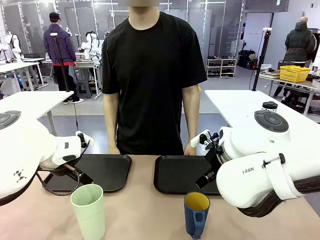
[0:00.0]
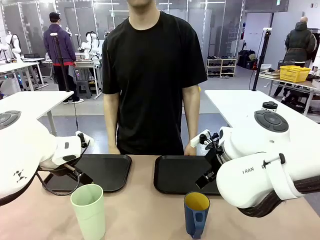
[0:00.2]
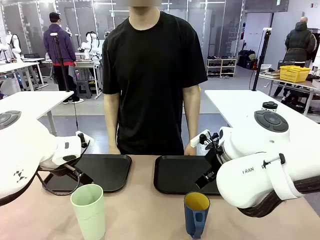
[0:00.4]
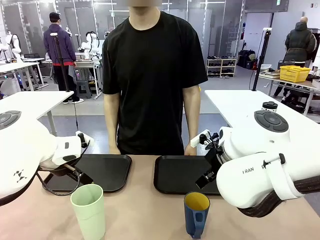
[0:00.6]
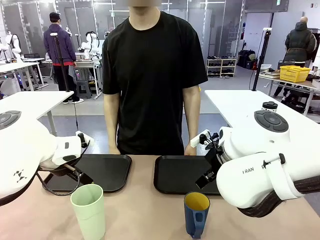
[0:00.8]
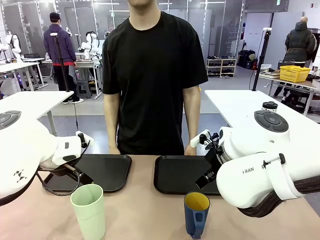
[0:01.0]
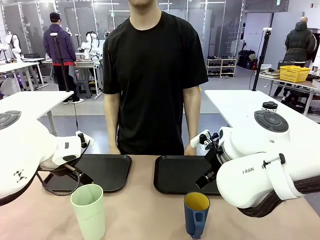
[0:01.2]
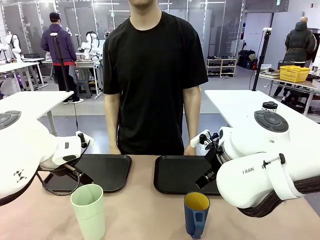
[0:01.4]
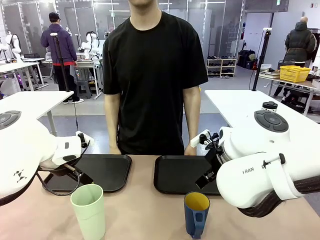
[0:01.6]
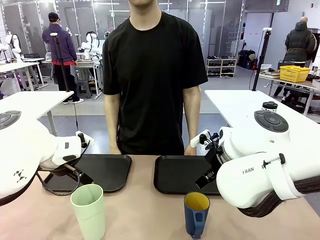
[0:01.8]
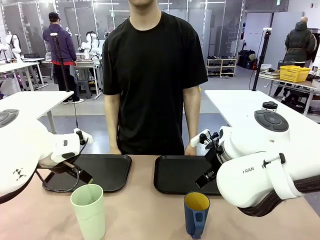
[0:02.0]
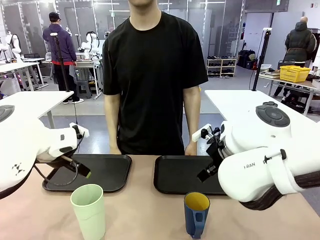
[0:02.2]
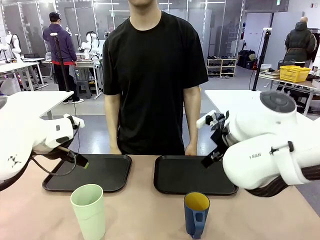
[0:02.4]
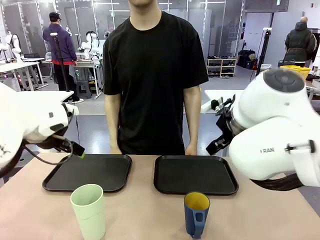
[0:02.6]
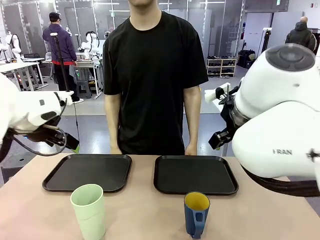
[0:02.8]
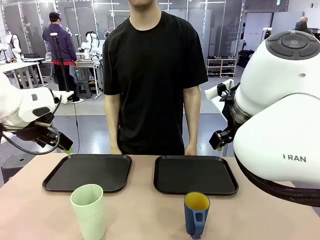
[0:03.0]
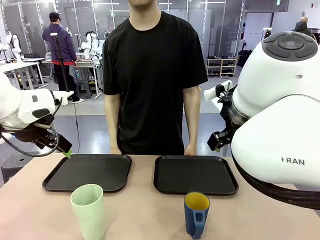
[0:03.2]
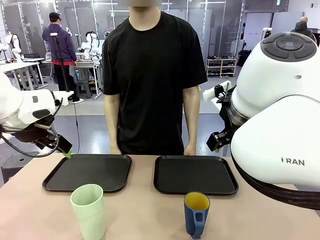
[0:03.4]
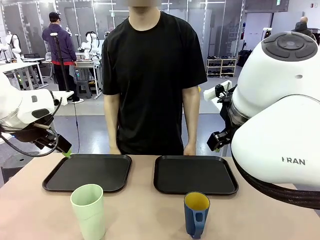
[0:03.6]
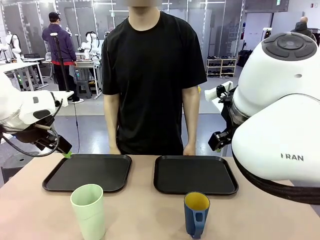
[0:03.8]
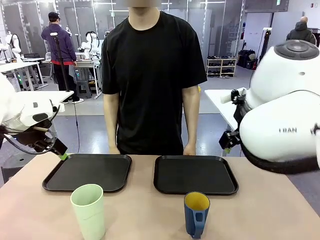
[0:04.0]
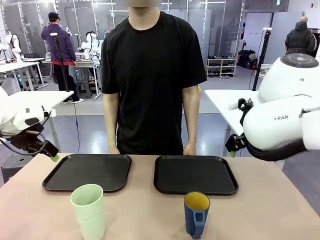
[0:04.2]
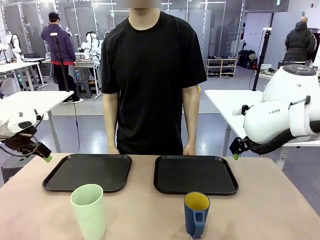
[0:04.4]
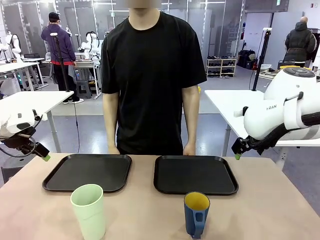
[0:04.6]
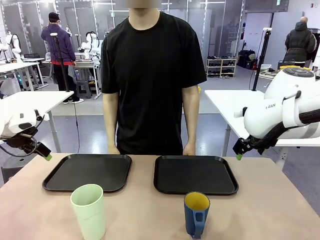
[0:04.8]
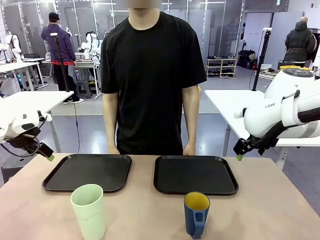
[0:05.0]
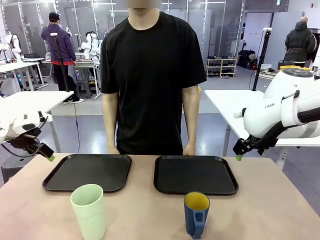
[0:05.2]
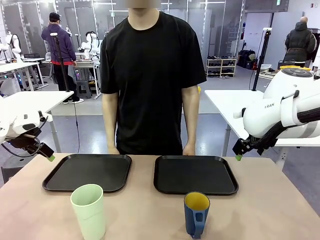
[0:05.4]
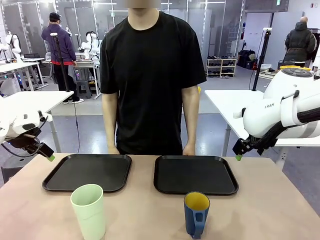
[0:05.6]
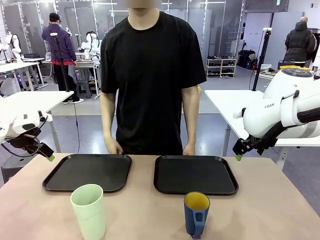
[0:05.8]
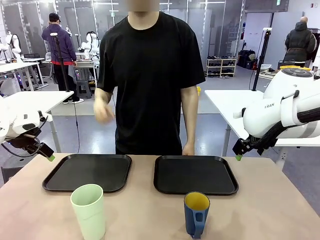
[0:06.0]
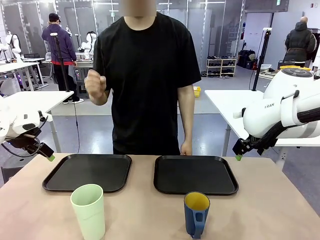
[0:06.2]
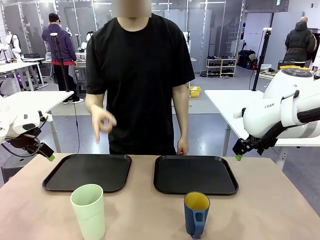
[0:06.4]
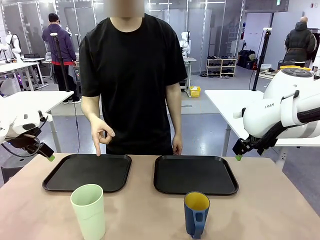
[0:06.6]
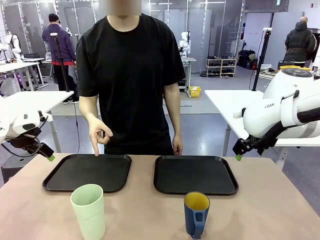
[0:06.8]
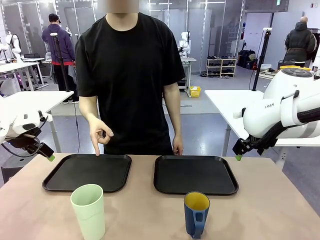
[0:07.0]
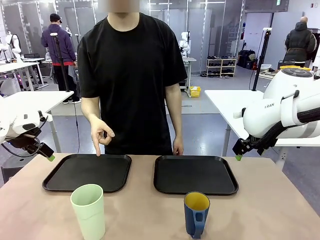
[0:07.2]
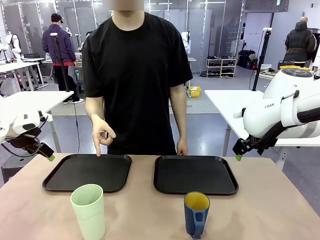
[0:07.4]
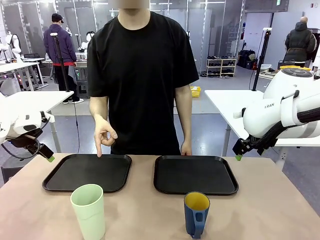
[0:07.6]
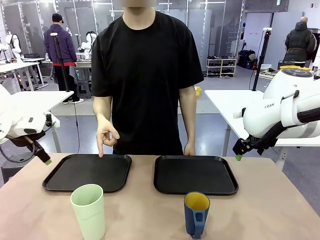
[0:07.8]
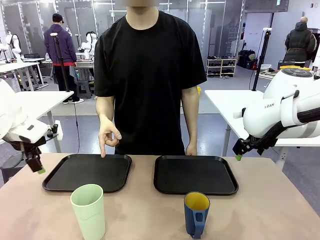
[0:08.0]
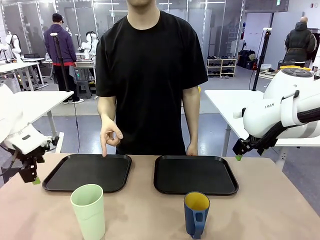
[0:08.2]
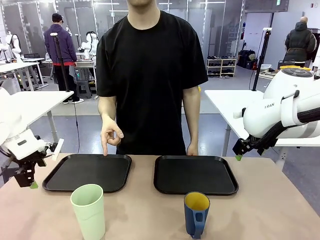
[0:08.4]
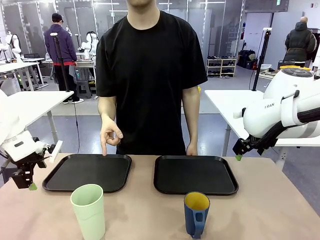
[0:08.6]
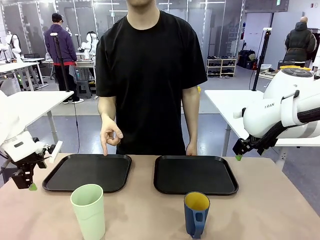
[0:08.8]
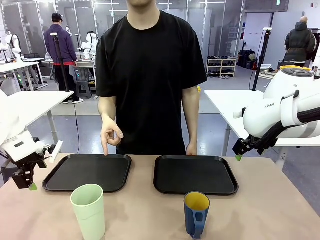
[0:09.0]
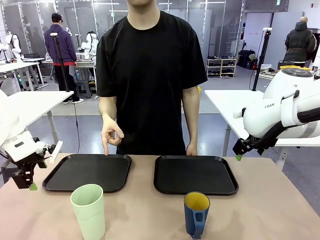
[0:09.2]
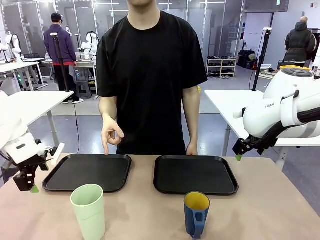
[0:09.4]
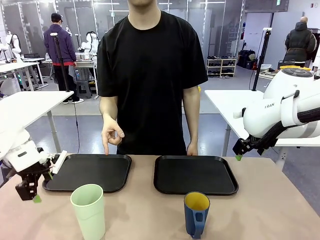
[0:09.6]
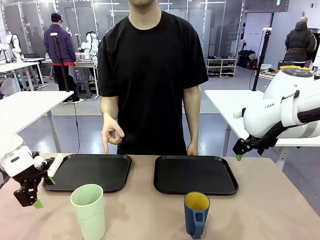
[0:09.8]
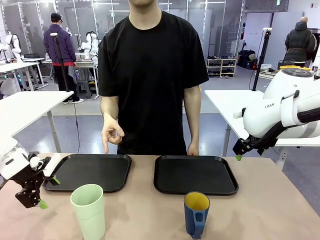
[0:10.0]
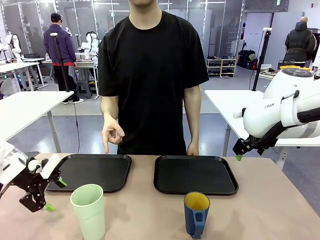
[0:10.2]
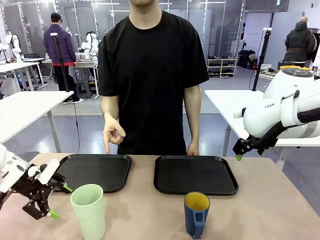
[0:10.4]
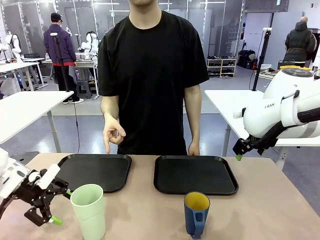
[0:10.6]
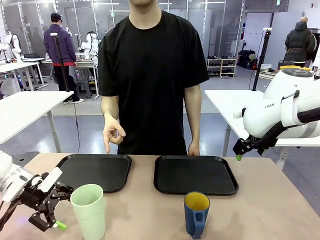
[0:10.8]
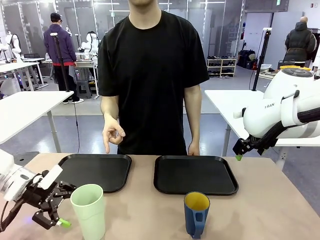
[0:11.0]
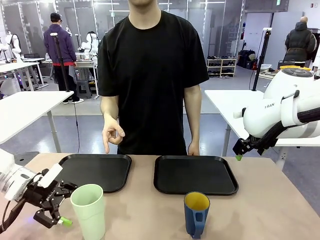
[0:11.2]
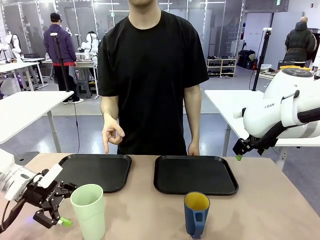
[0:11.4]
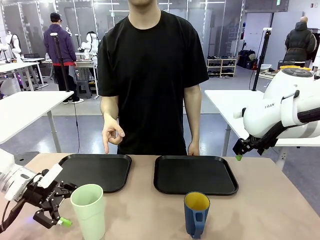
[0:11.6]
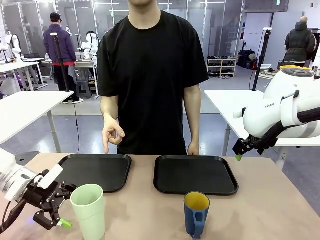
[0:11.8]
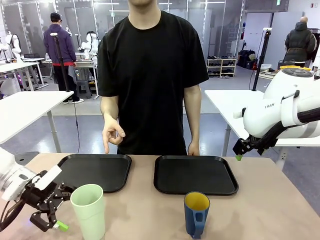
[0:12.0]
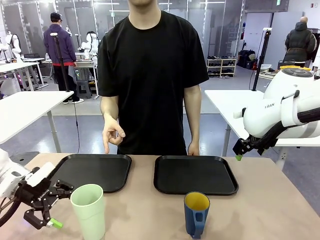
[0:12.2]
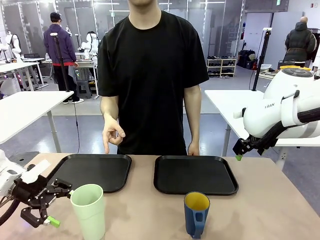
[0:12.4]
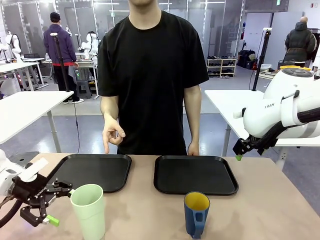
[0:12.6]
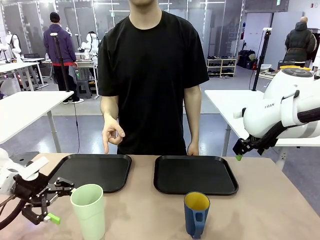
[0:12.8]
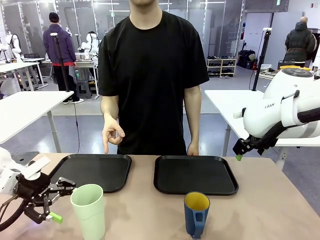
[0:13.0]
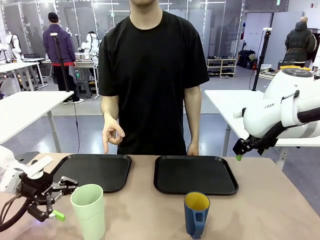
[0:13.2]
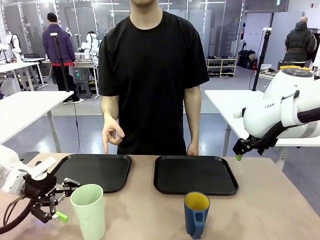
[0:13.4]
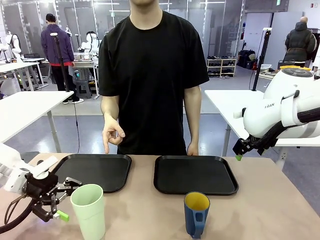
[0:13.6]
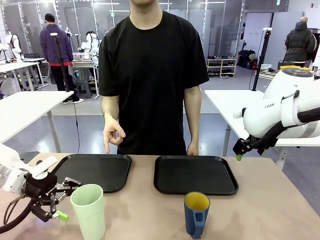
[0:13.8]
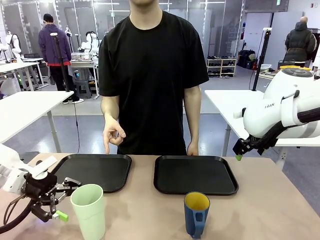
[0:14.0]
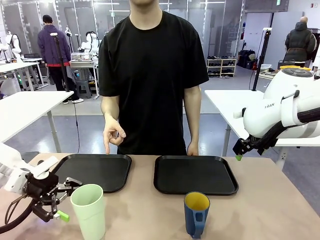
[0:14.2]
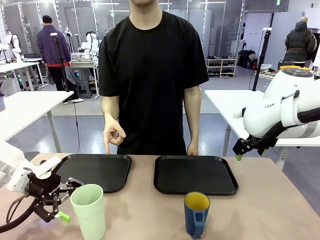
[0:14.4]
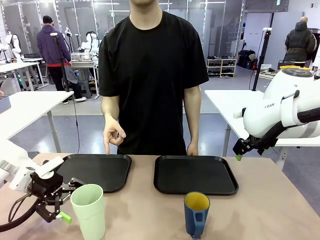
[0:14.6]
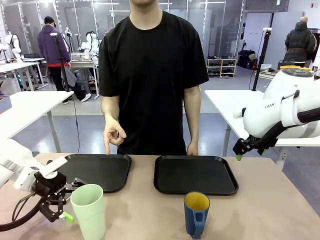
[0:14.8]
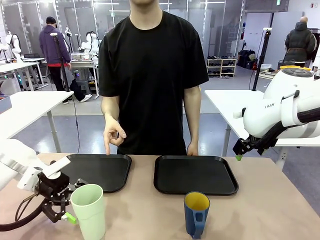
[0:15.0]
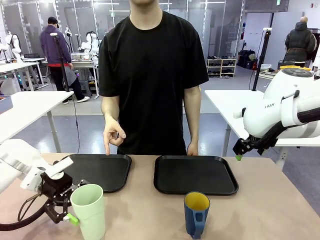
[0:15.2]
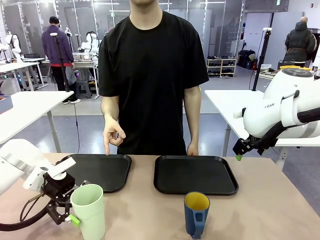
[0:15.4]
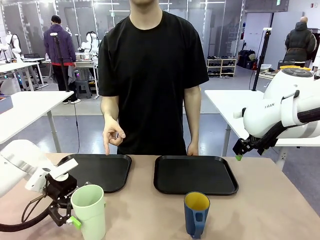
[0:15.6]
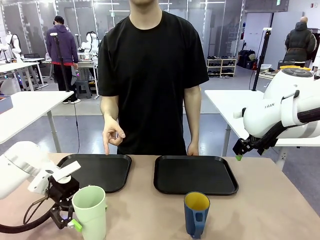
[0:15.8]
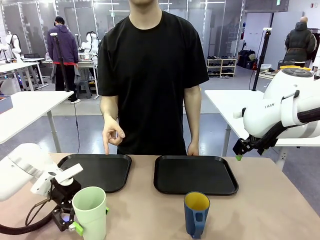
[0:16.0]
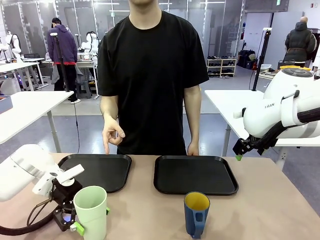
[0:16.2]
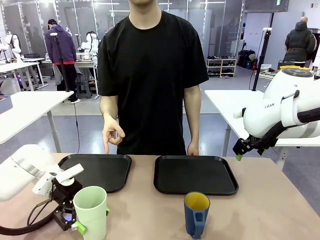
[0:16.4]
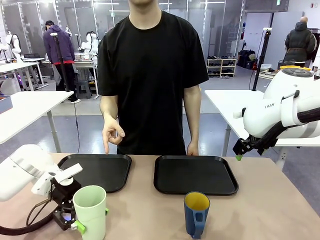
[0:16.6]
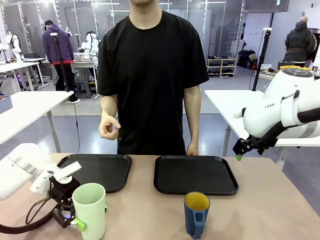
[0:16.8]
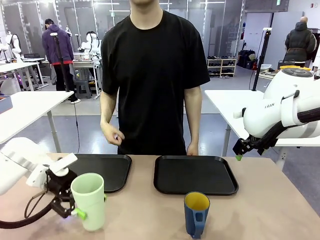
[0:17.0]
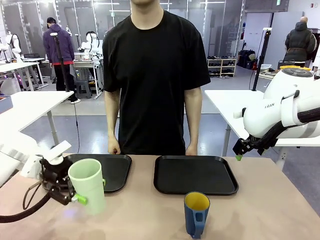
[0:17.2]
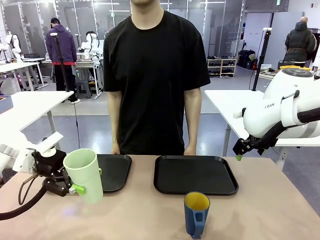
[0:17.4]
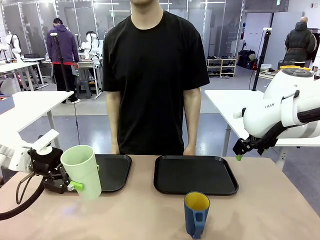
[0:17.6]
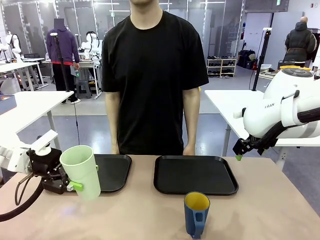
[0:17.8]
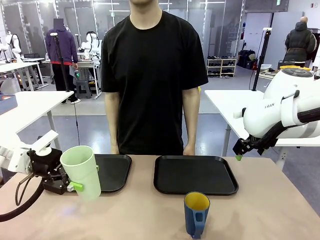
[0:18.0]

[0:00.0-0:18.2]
Task: Sort and store the cups by type.
Robot: Pick up the Reusable plastic cup.
Person: Points to the reusable cup. Point to one of the two trays.
